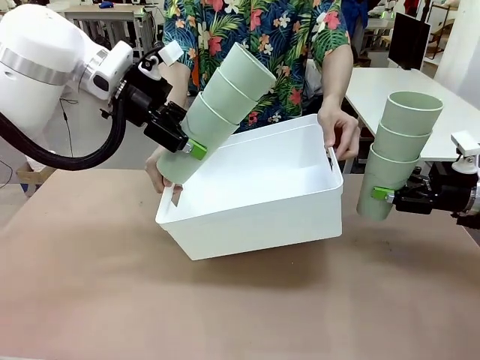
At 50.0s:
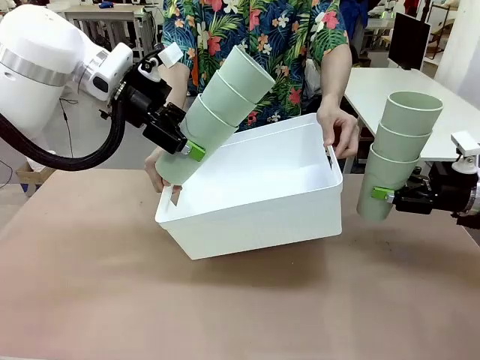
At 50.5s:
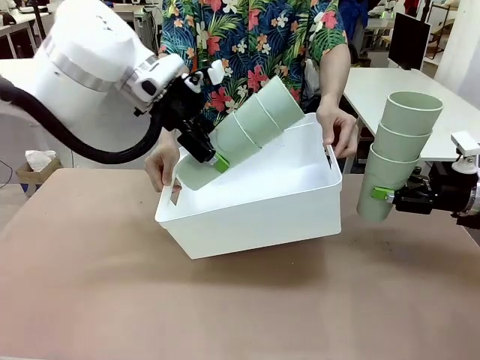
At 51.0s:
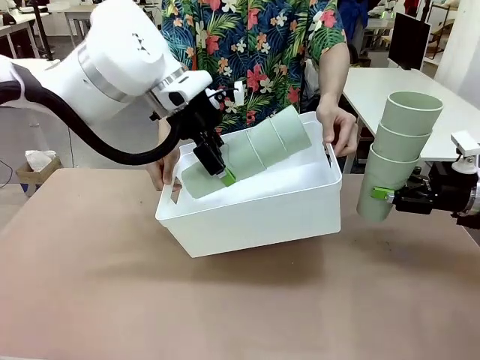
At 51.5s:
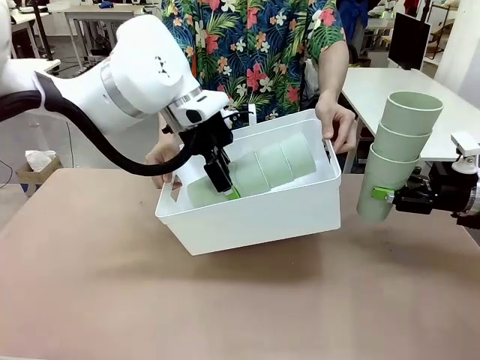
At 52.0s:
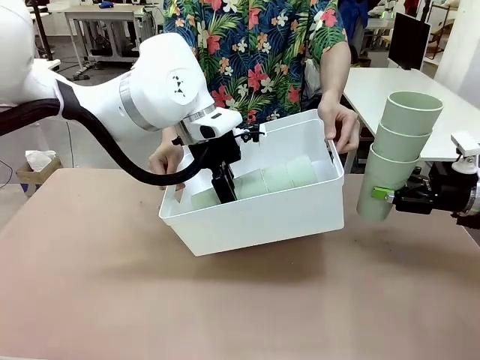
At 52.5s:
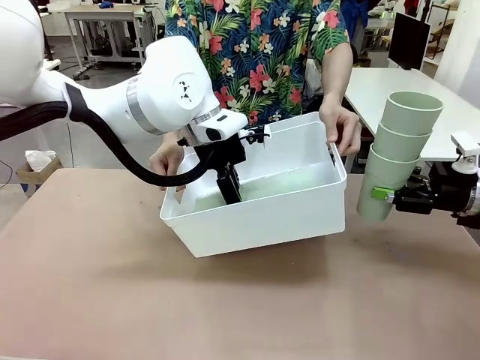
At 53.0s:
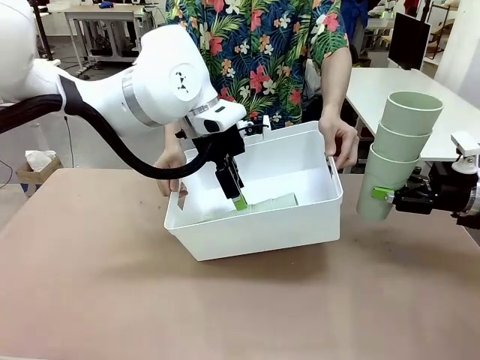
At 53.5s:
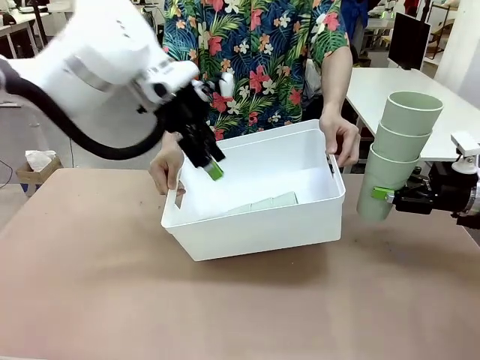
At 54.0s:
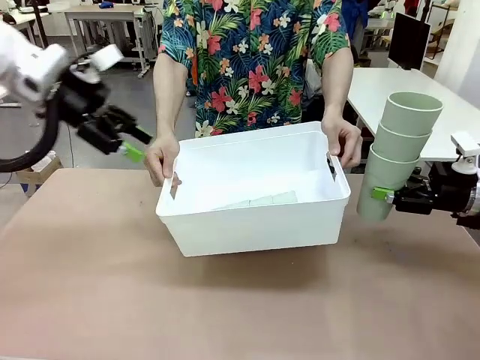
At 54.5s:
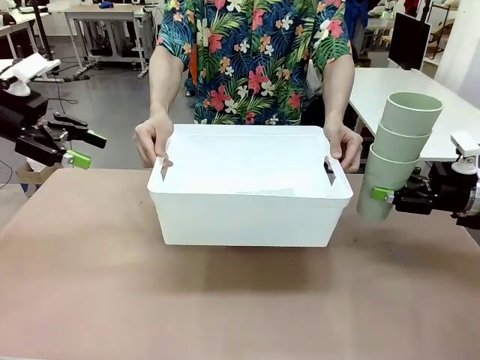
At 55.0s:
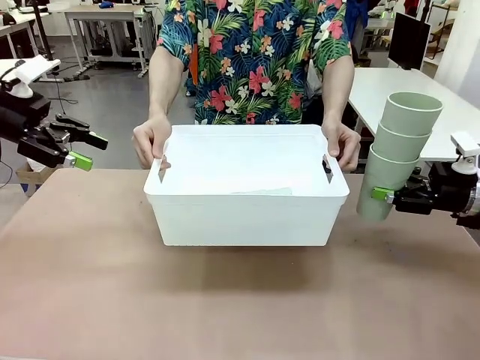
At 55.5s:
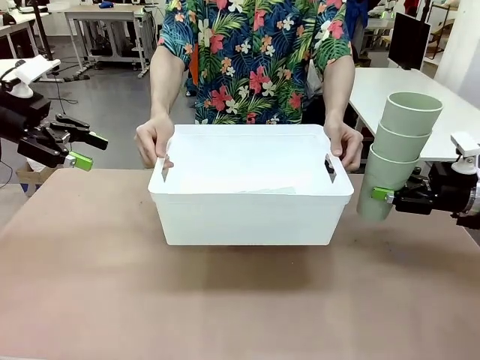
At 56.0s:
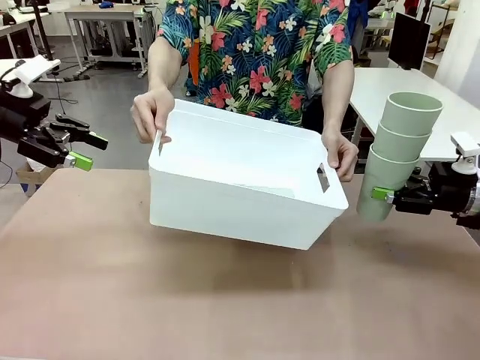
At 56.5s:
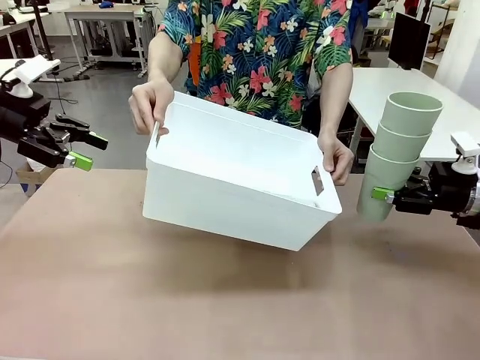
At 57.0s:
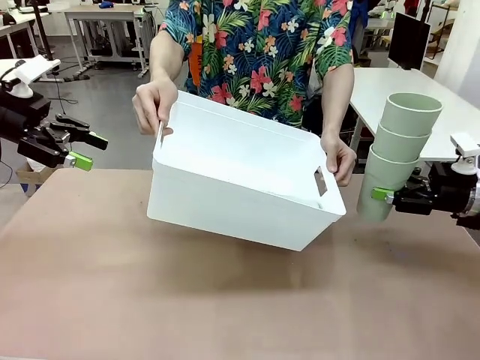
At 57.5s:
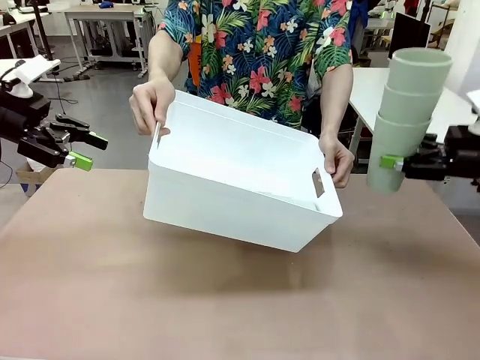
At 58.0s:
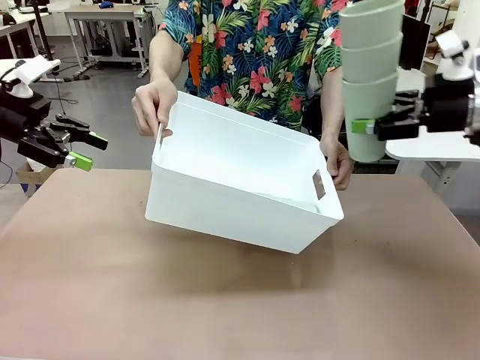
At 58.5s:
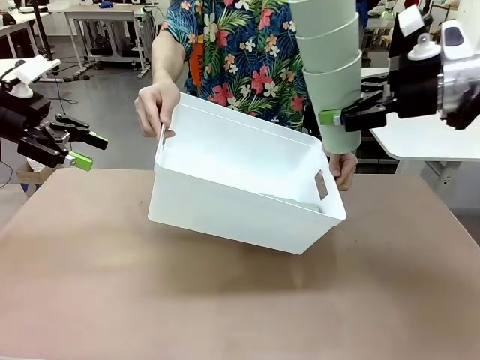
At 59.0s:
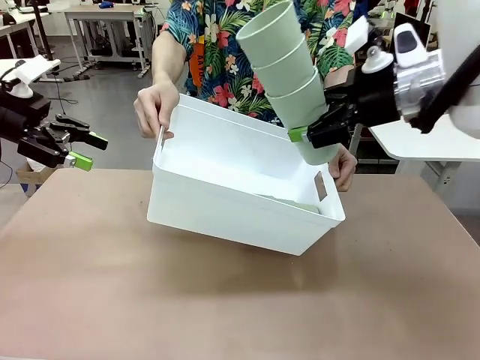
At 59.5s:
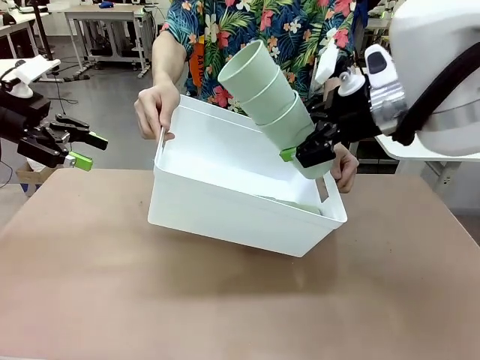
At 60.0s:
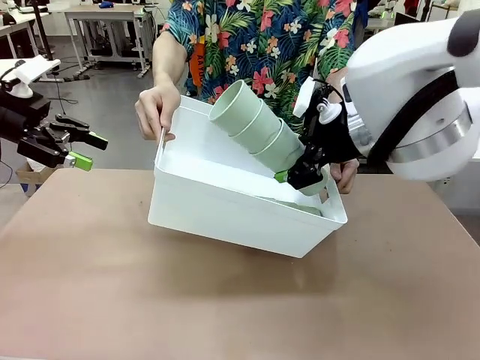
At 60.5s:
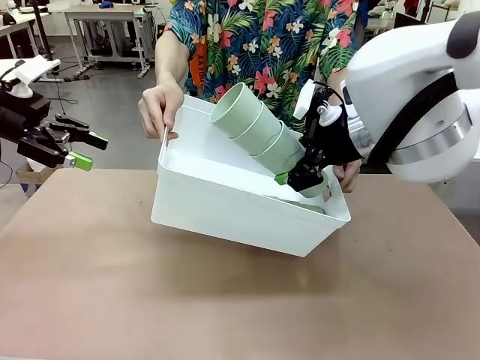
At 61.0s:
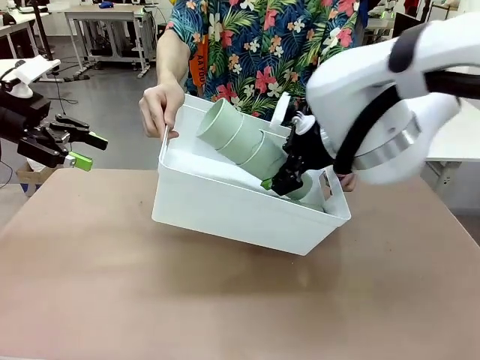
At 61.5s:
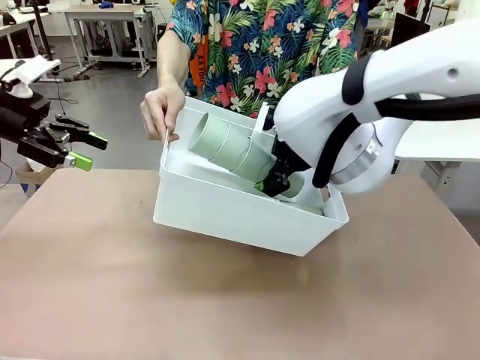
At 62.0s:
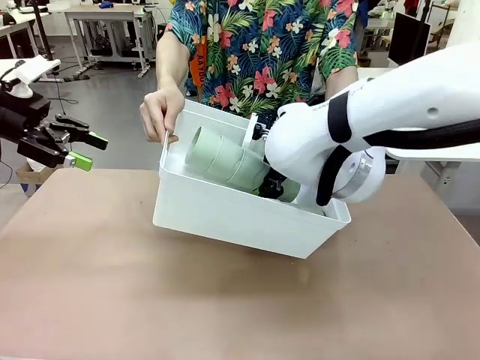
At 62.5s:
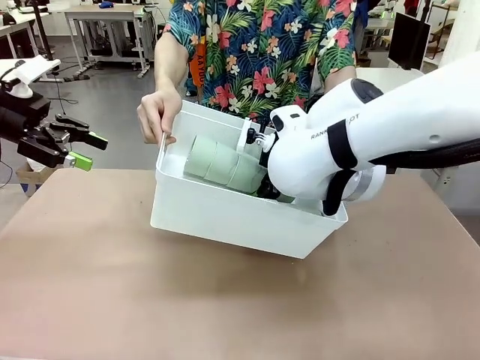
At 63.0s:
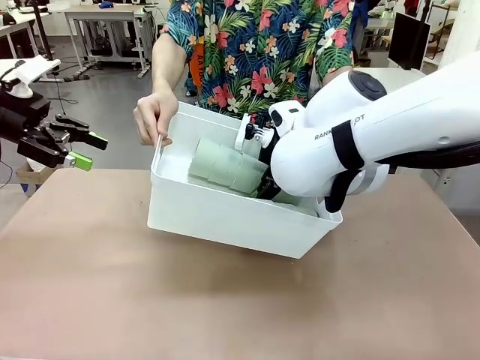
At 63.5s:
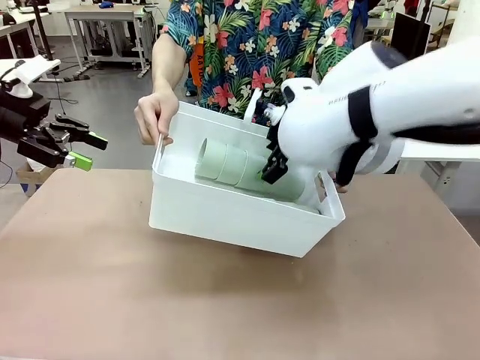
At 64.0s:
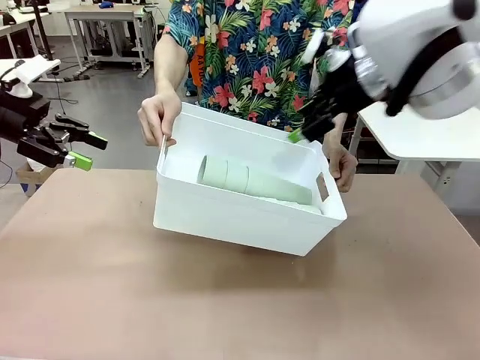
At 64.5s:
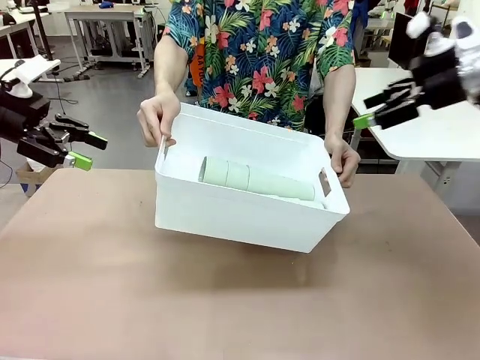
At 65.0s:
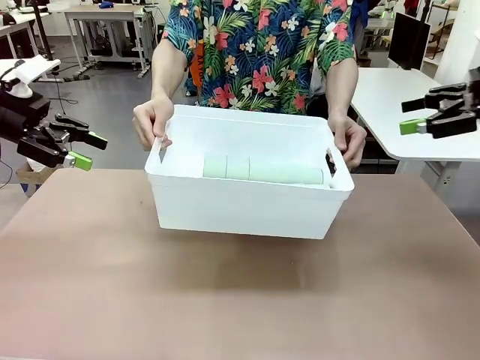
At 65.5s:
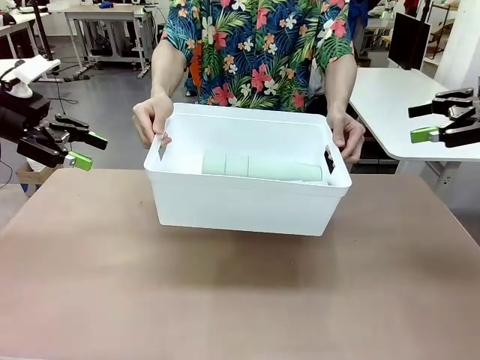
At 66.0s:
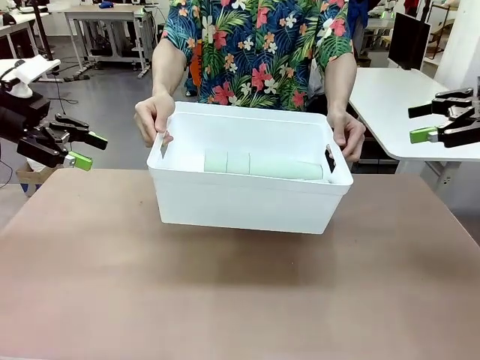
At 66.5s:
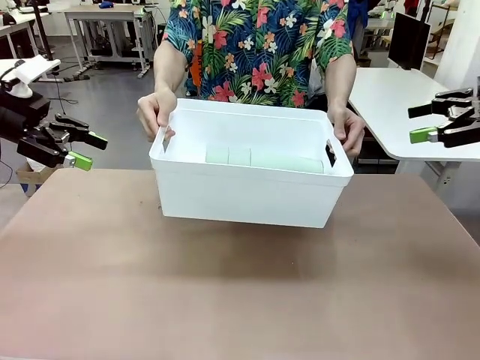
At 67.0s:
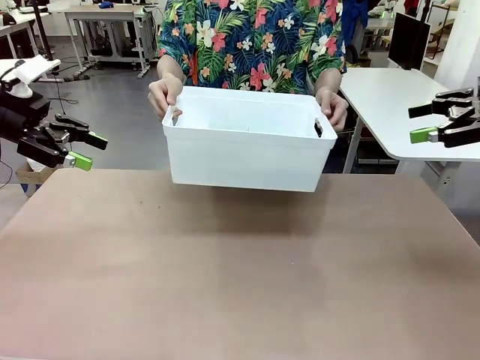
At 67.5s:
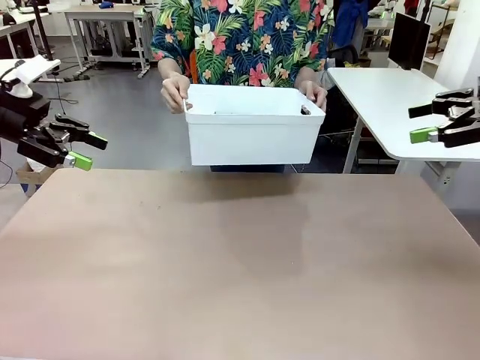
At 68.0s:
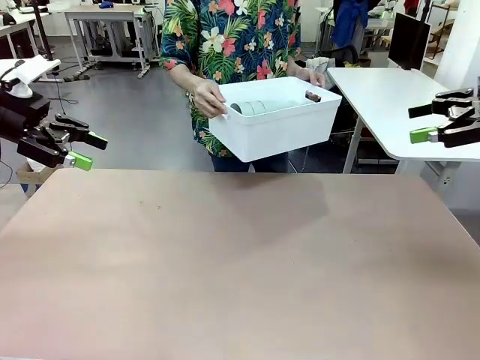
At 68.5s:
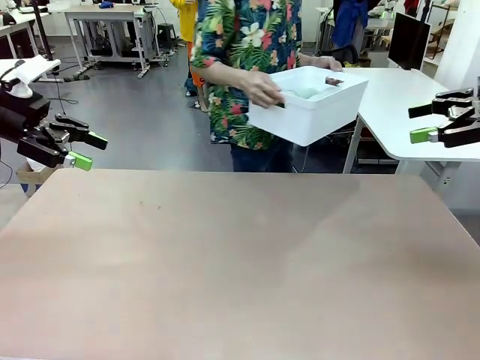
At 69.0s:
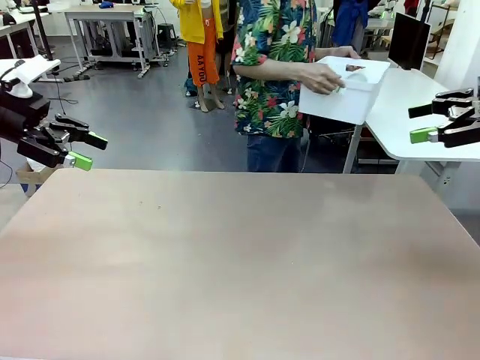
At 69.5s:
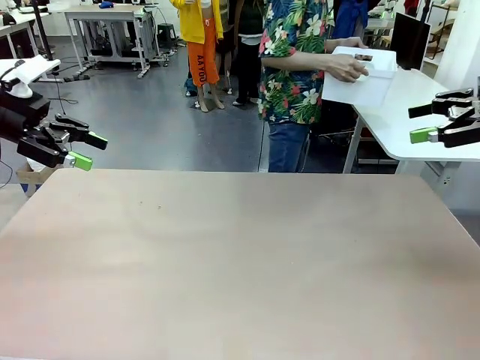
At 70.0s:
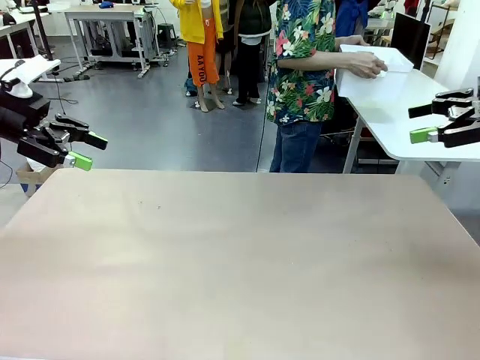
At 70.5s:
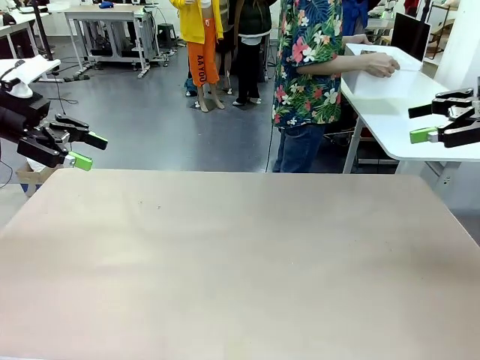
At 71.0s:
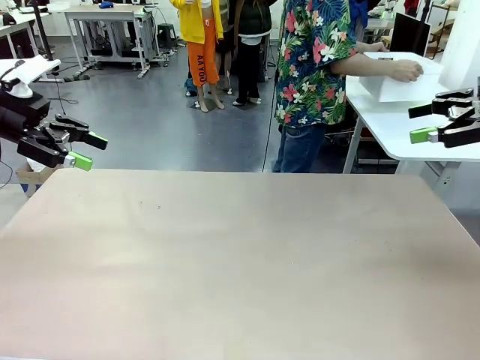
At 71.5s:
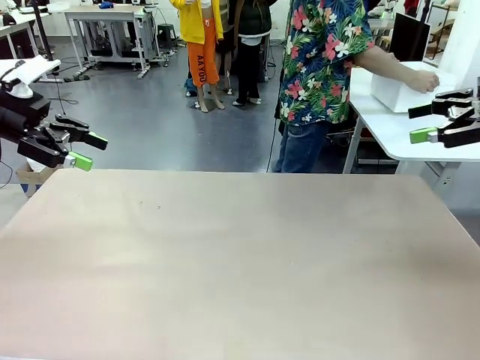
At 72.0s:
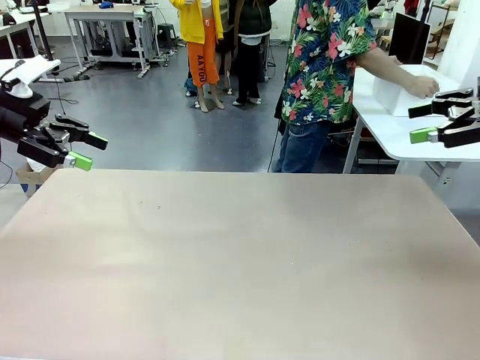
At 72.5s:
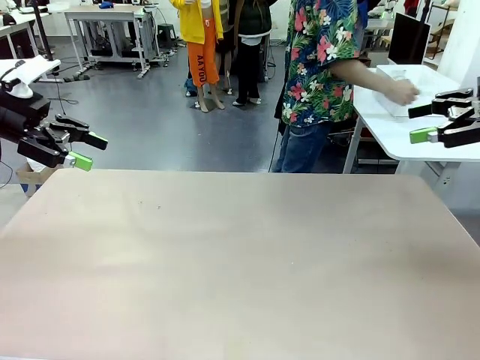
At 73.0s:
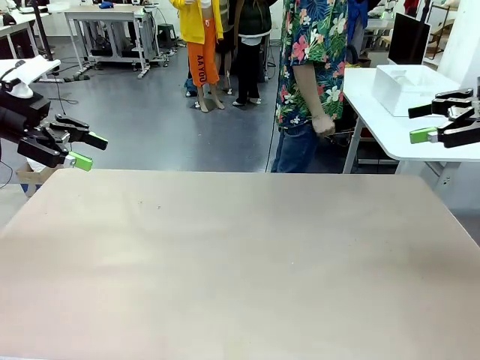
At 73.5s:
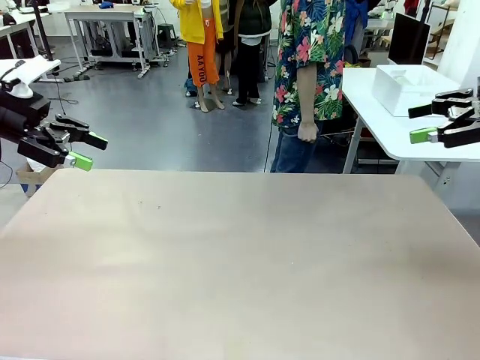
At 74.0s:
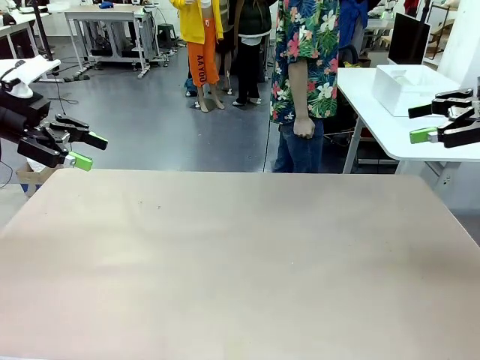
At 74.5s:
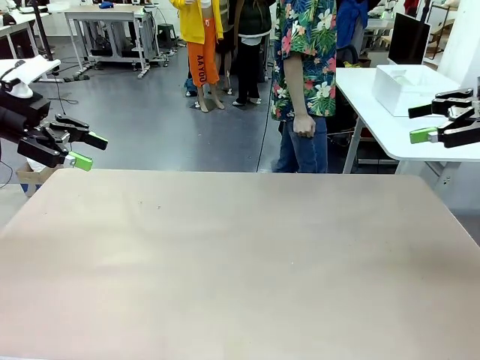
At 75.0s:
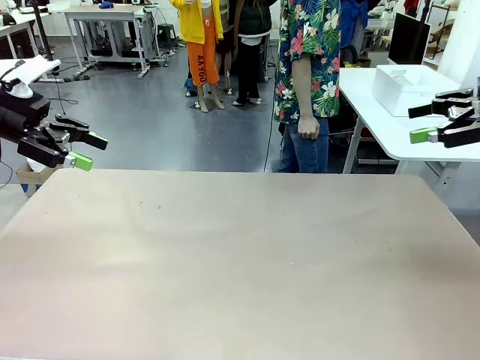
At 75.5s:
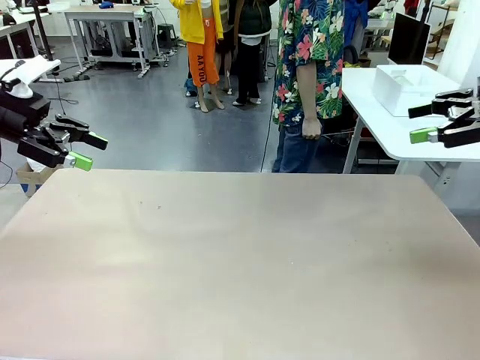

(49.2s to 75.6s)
Task: Stack the cups and store them in the basket.
Robot: Place the stack of Reusable plastic cups into the Pantry Basket.
Person: Place the basket containing the cups in the middle of the Human Table.
